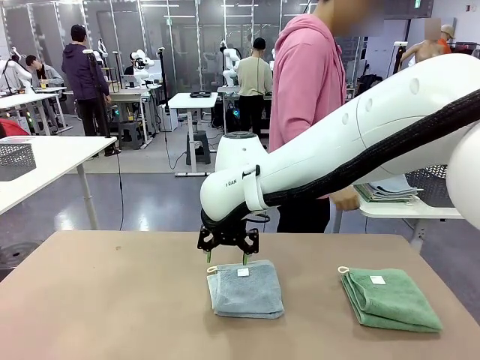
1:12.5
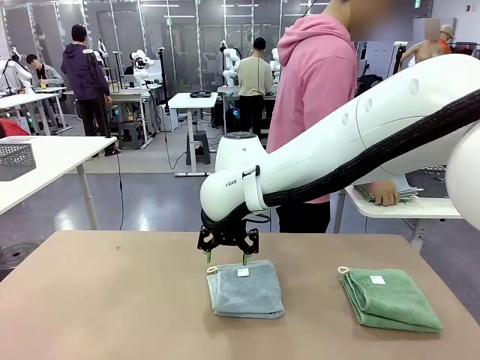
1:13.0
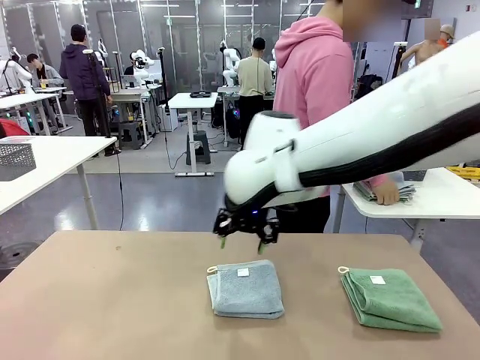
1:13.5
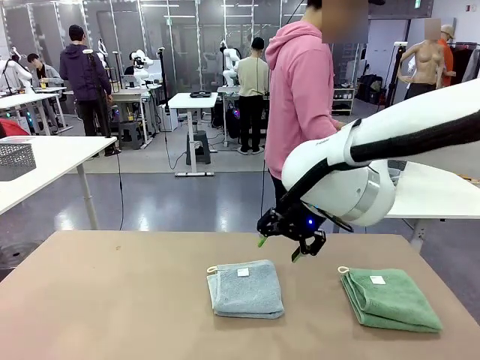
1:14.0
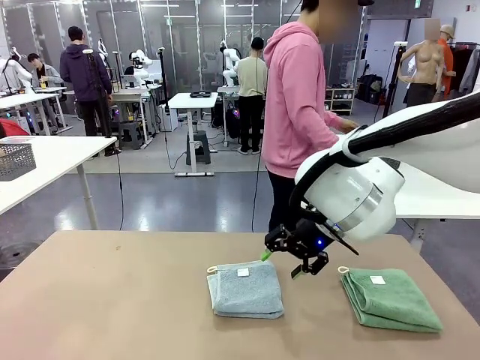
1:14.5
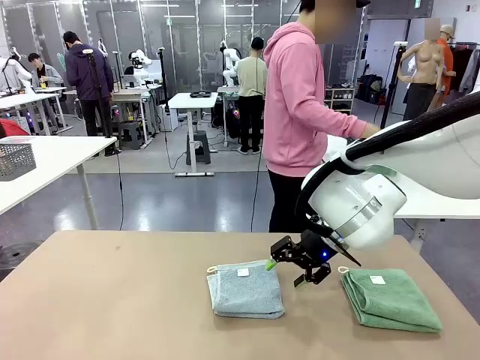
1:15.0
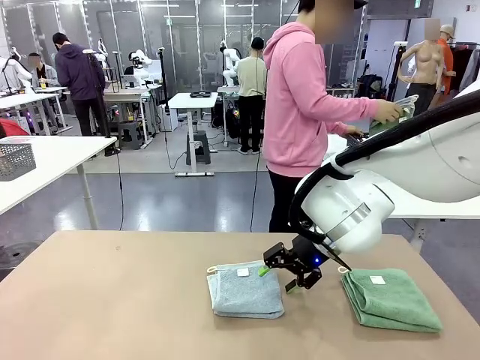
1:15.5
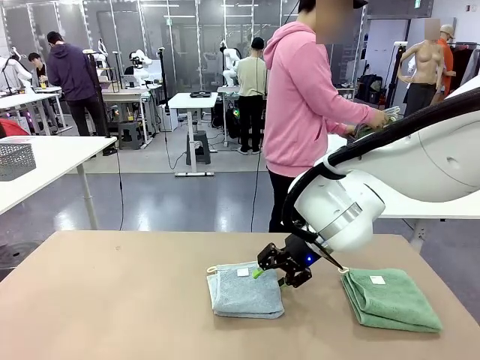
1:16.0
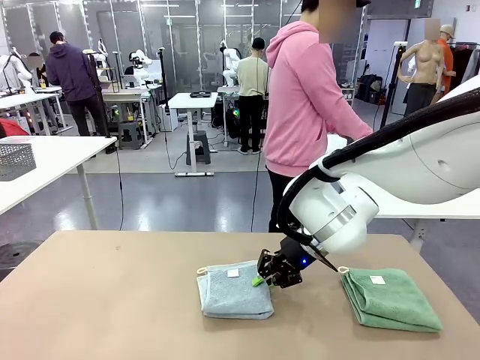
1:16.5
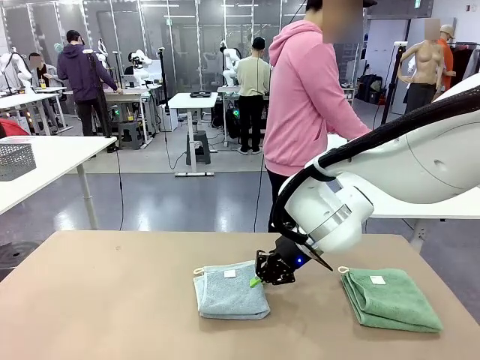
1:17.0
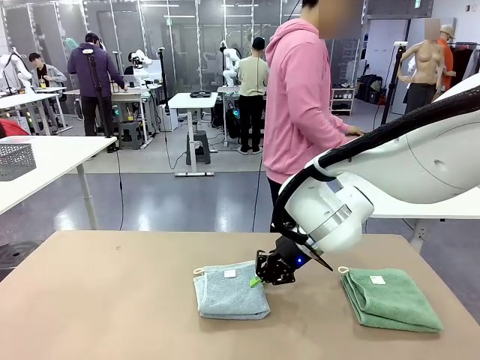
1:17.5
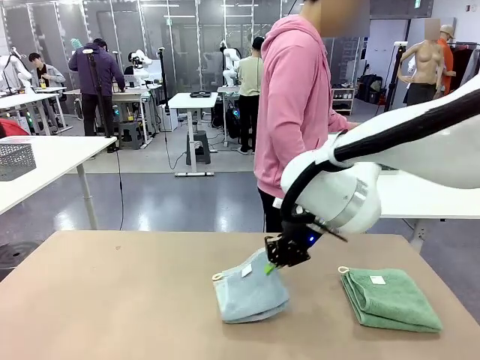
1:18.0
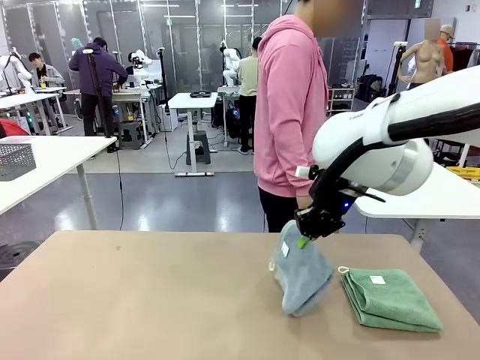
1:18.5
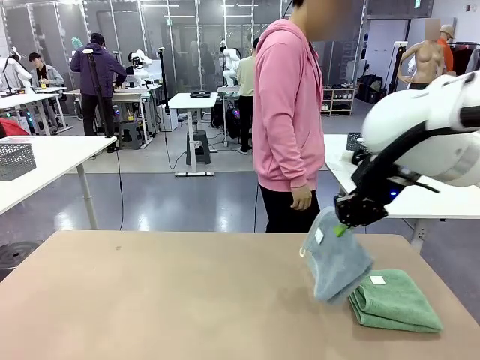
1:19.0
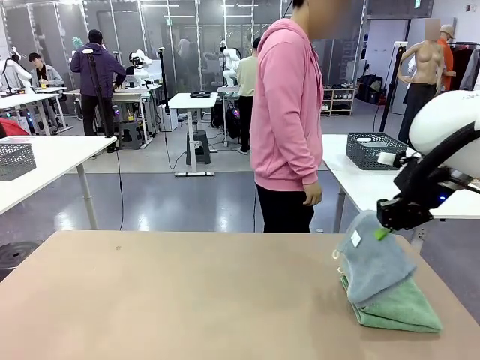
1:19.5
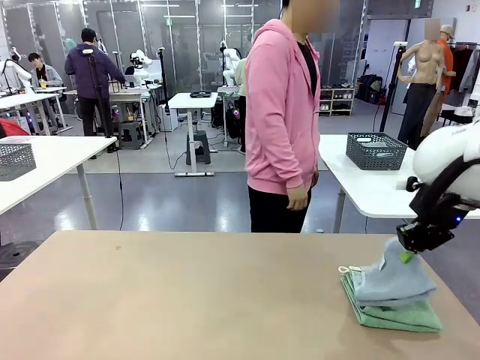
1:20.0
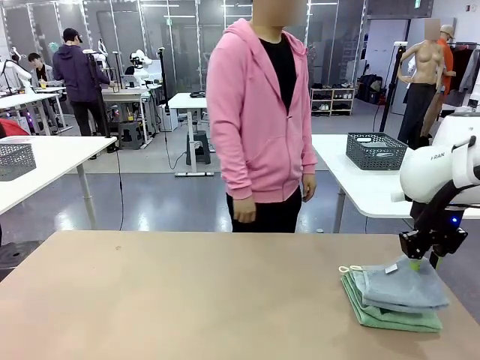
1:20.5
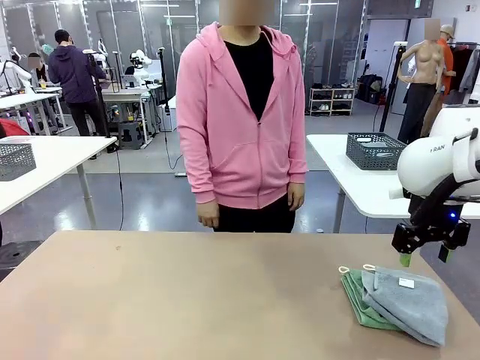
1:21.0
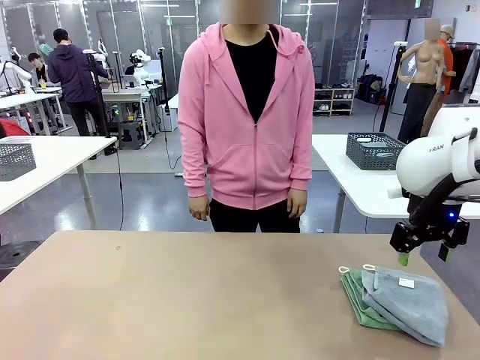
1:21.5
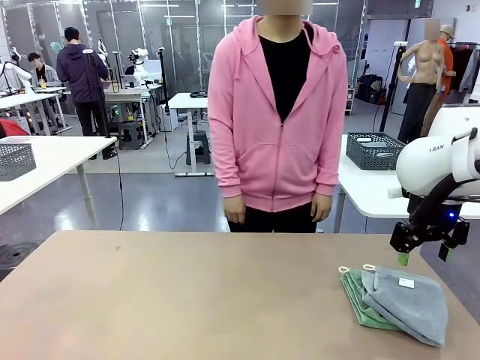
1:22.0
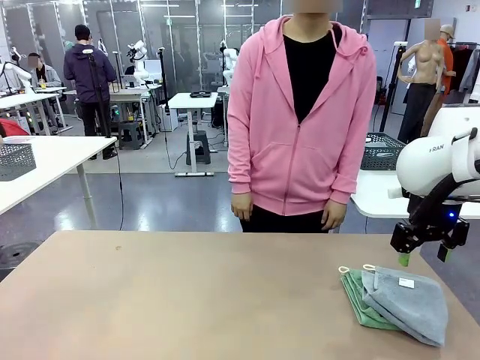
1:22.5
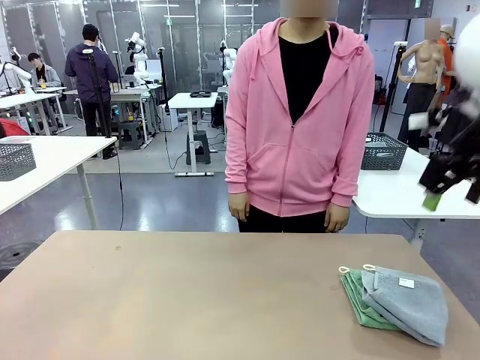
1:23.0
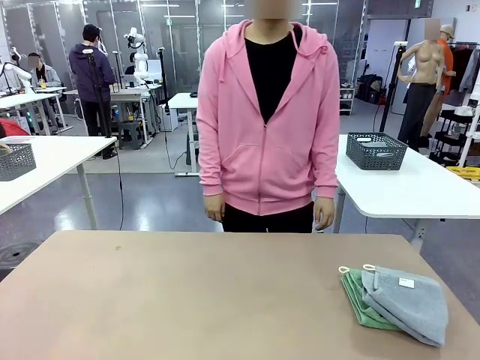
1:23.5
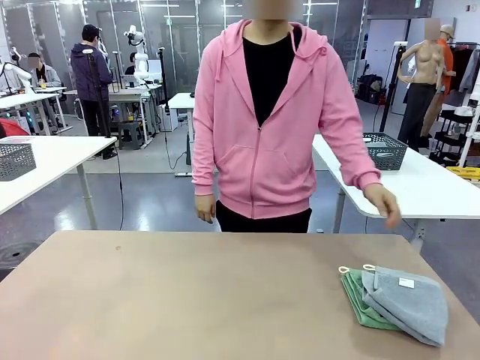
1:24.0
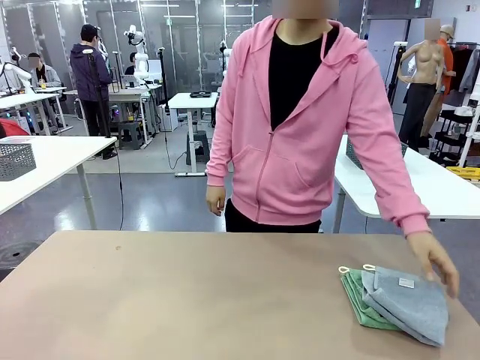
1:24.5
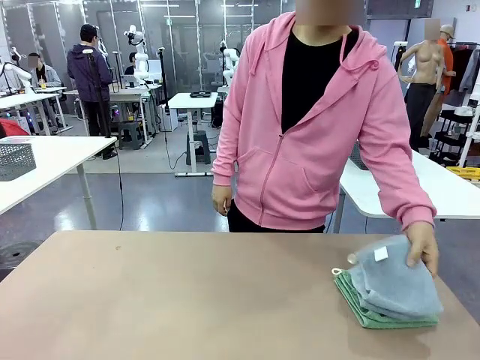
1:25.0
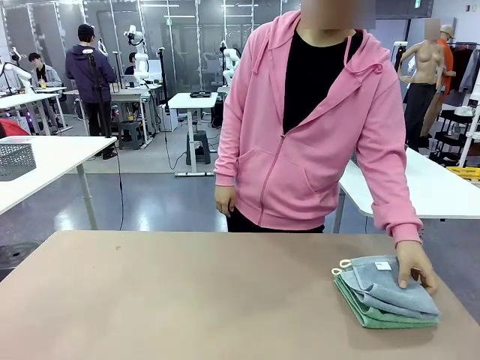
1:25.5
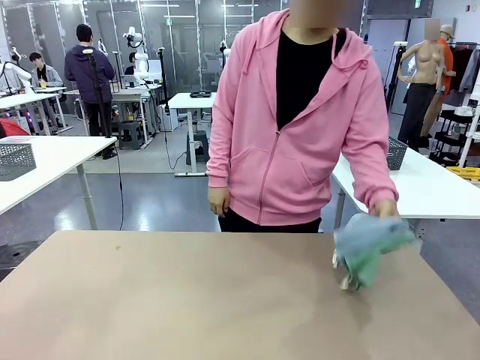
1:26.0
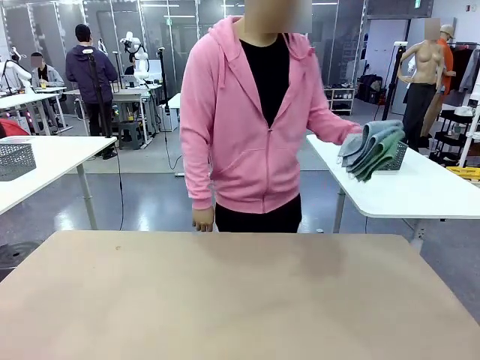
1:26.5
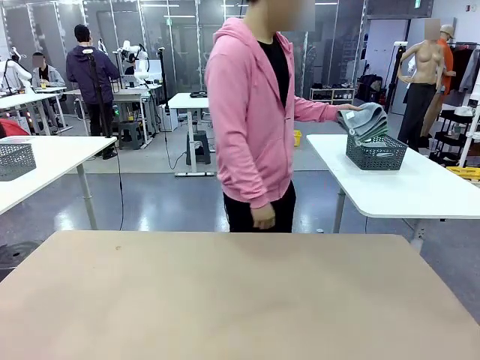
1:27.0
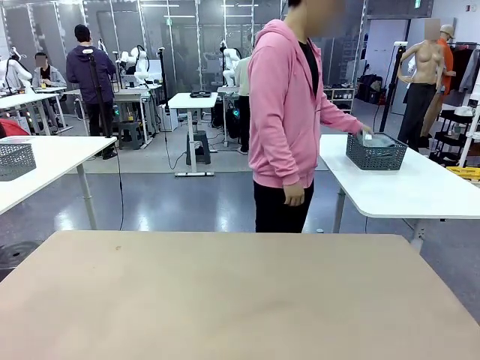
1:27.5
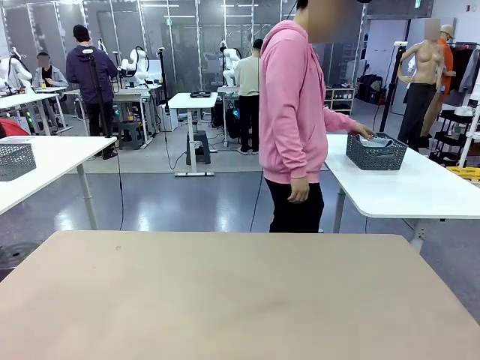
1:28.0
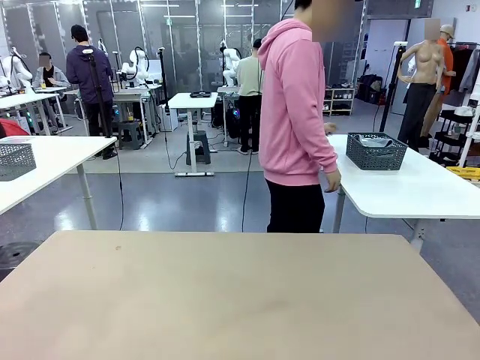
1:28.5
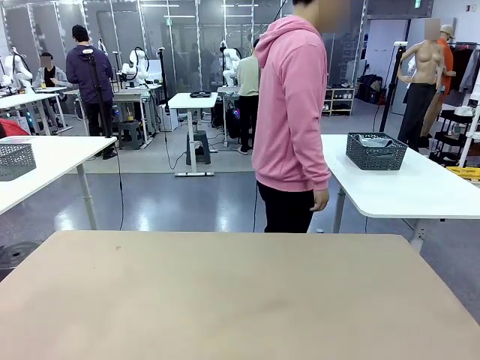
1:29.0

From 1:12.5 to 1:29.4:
Task: Fold the towels and place them in the basket.
Robot: Stack the folded Towel with hook on the right side of the table.
Person: Pick up the stack of towels from the right side of the human table, place it into the basket, and put the basket at the center of the table. Pick up the stack of towels from the robot table and place it into the basket.
